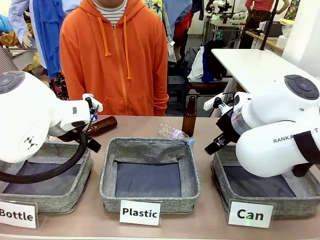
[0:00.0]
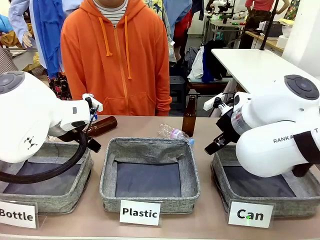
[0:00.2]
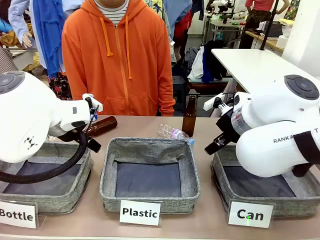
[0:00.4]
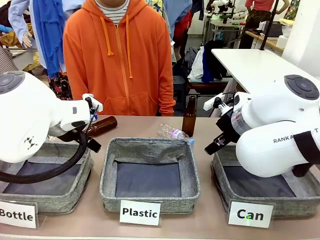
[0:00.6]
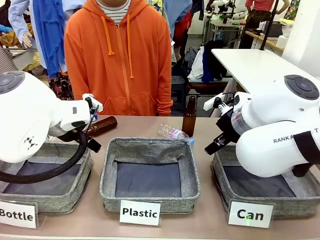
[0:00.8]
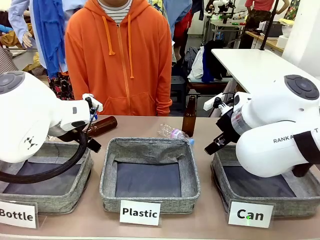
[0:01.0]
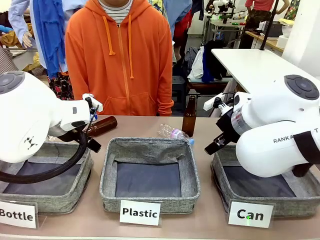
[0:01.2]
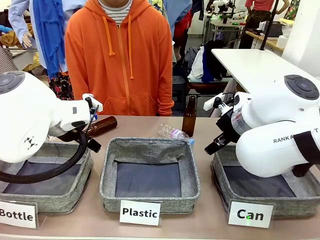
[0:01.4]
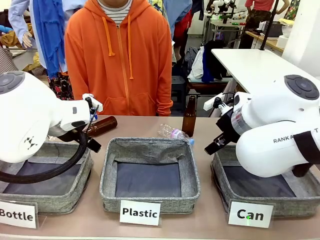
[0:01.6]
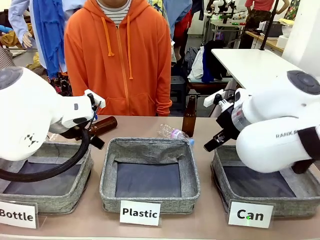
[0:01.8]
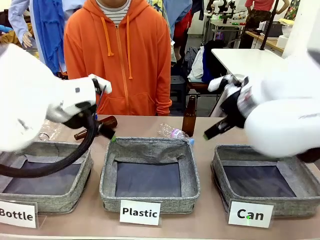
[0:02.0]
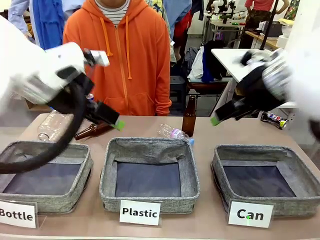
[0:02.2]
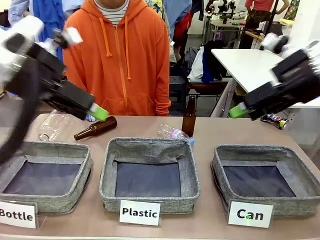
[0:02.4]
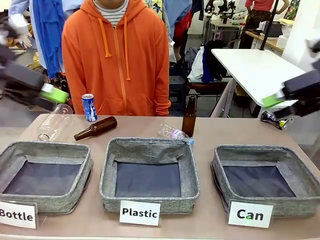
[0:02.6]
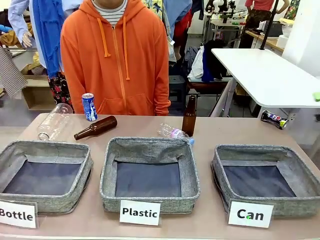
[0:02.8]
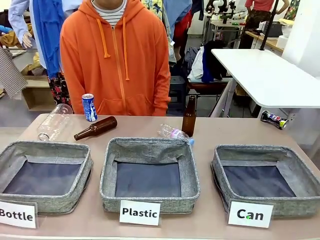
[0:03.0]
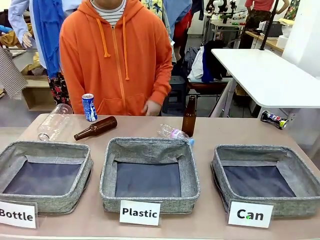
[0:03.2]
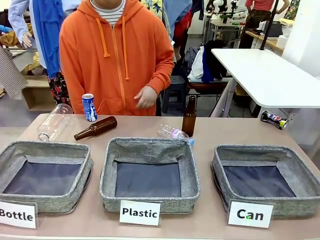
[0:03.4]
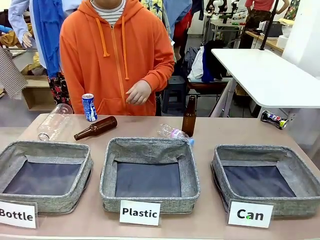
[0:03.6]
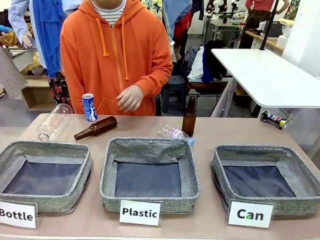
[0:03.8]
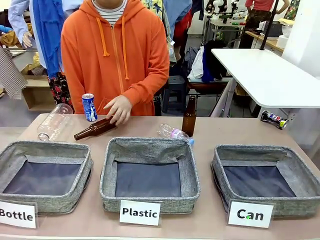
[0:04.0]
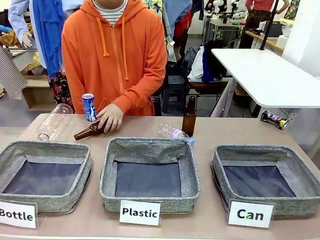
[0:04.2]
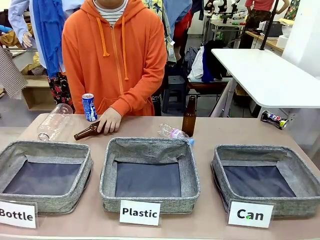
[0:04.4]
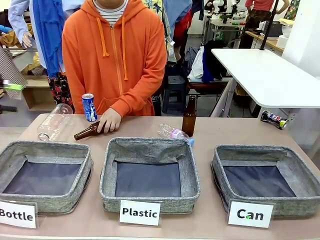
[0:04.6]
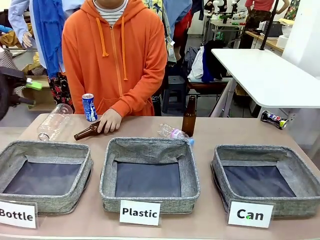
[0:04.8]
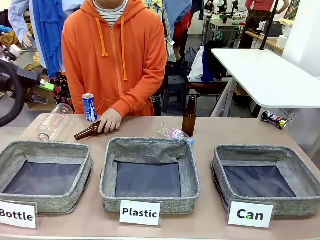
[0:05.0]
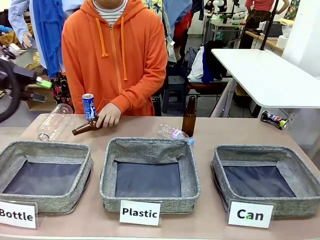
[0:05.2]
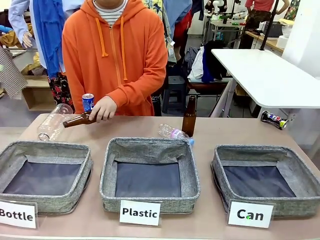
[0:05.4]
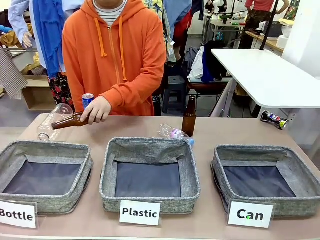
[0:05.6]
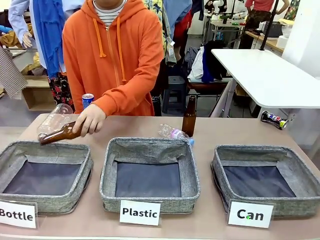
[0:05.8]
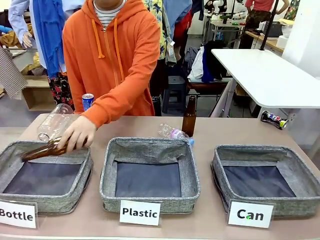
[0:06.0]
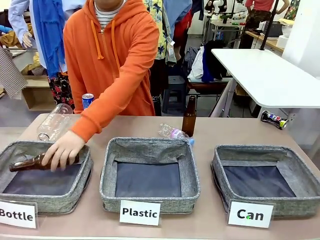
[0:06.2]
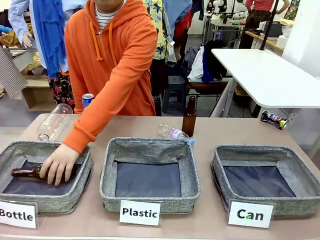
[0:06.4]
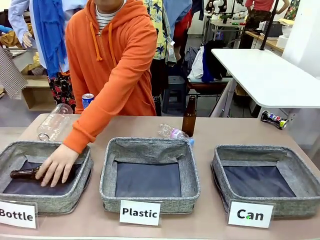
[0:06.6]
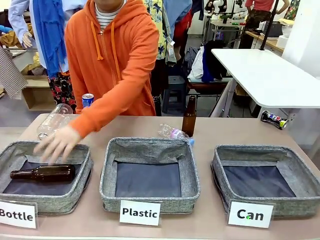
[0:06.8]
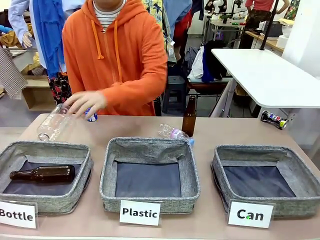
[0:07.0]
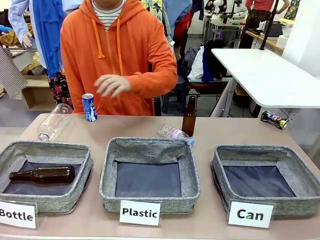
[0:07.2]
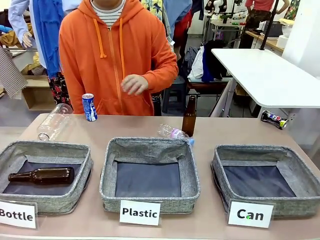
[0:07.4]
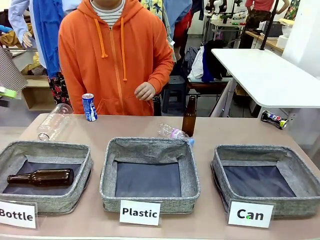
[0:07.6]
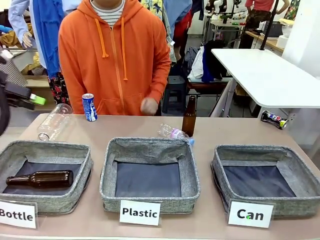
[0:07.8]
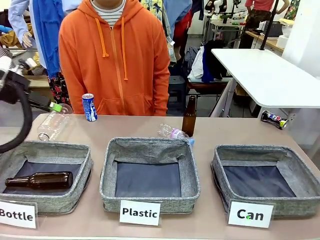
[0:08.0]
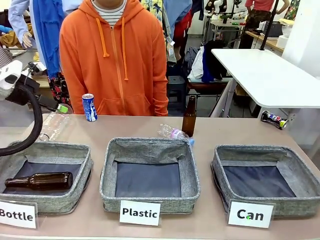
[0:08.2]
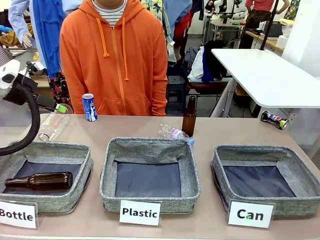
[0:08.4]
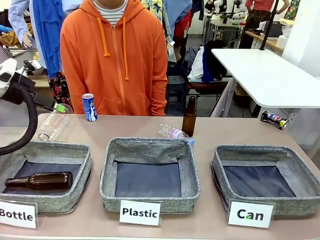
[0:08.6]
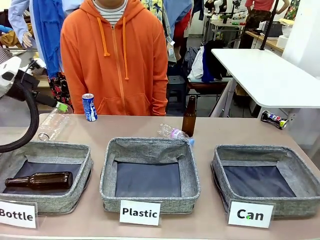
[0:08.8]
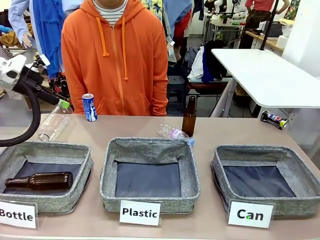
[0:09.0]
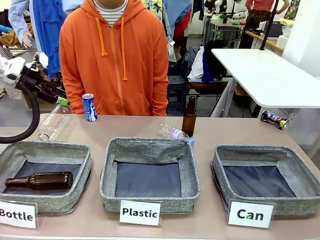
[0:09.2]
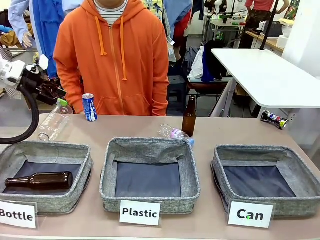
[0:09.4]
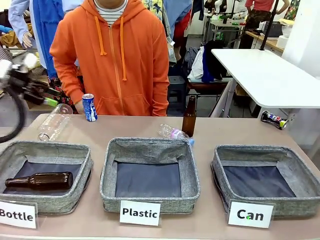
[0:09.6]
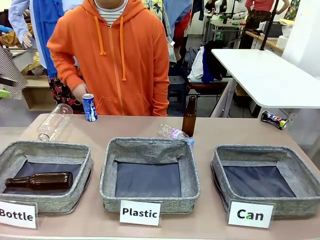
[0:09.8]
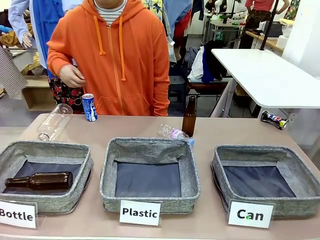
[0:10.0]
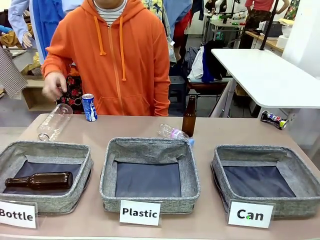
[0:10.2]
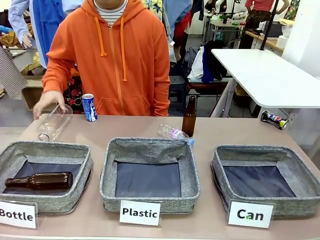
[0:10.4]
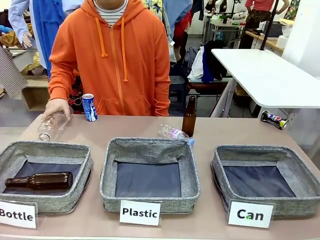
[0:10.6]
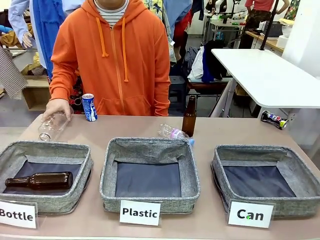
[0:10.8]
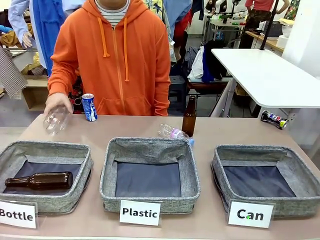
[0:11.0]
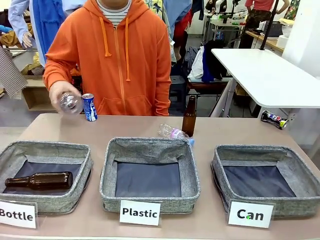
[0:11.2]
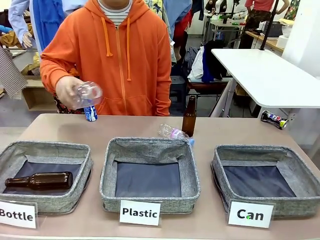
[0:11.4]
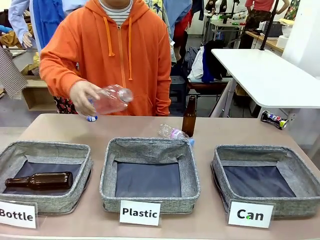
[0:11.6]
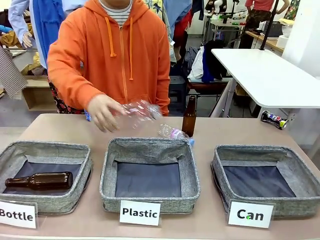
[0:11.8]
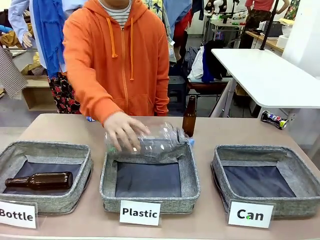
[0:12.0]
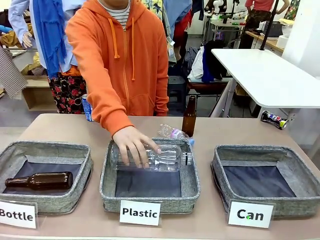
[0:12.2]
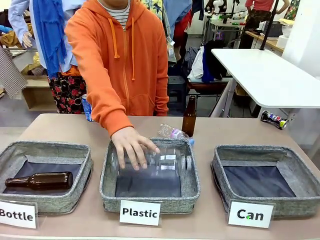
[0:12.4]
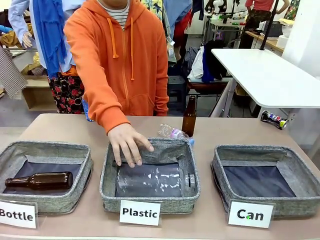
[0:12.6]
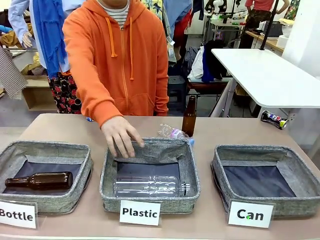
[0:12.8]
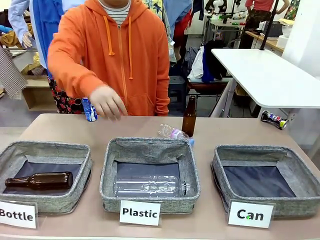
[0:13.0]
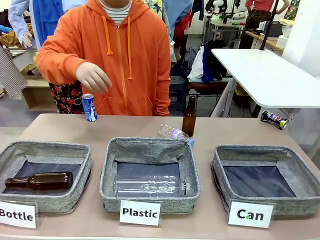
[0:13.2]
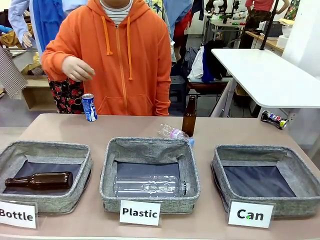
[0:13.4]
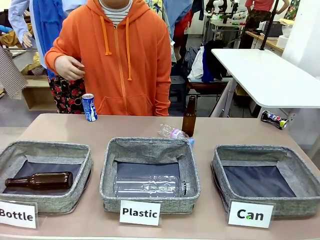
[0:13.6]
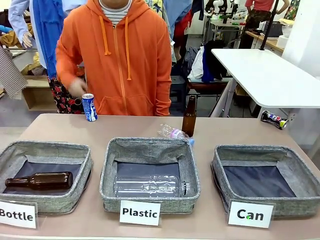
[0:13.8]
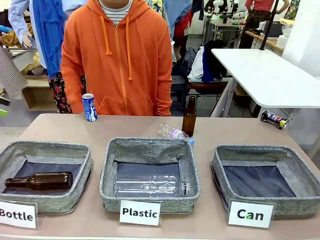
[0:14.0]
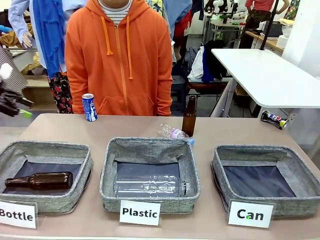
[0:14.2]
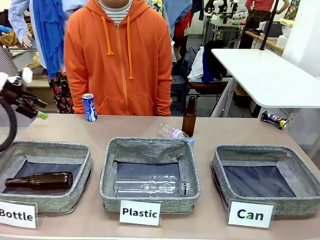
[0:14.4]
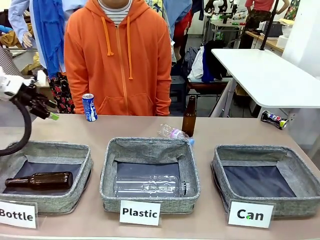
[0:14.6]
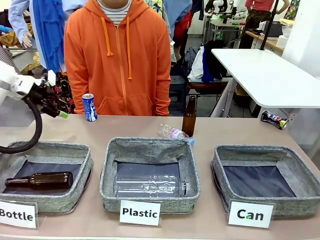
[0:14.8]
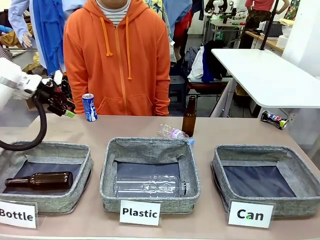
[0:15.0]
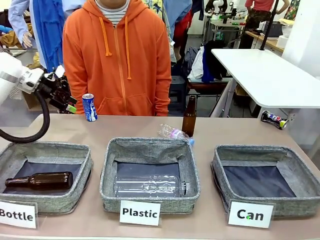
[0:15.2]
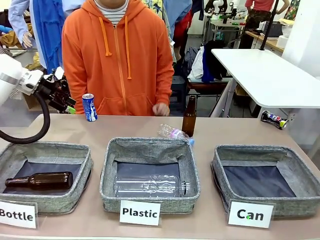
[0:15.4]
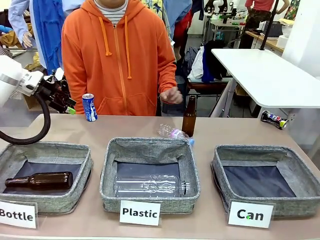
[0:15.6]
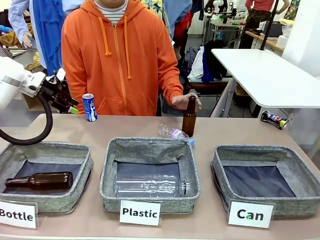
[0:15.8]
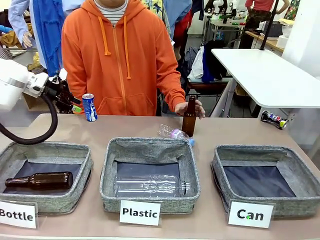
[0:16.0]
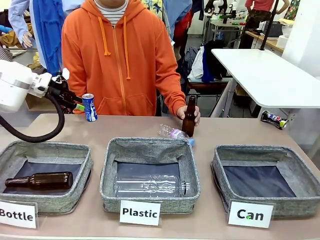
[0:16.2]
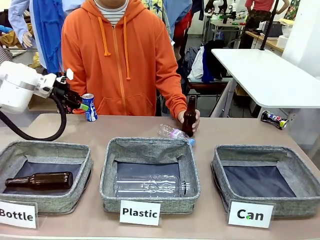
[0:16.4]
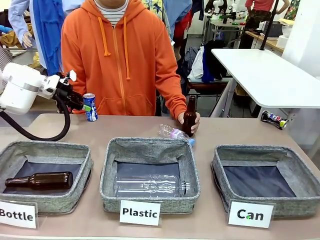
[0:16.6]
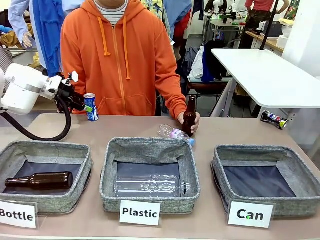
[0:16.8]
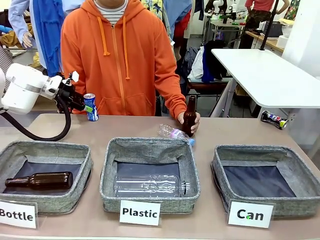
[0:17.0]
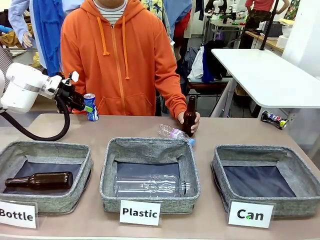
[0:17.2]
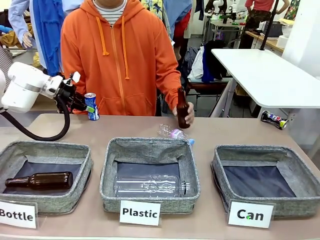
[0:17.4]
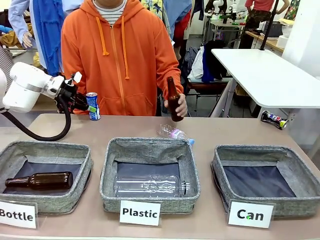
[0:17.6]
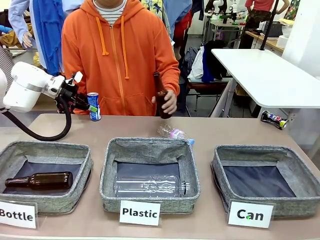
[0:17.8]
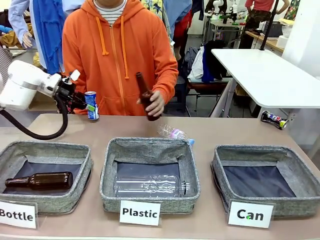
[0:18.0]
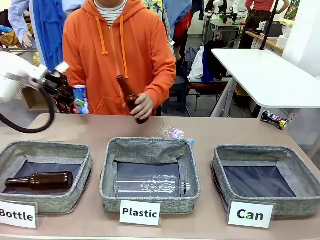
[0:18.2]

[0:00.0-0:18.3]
Task: Sort the can waste into the basket.
Robot: Pick up the can waste from the table and place it in the right Fabric basket.
